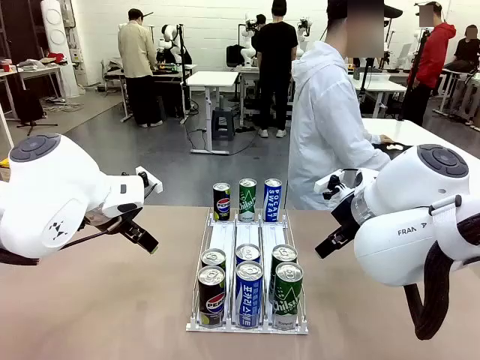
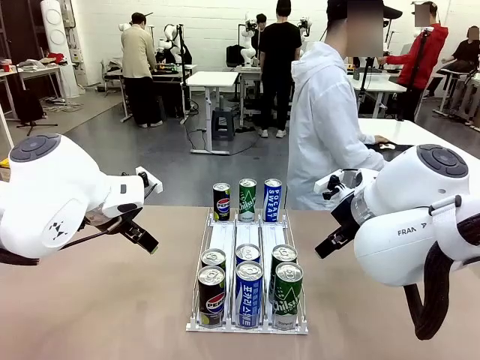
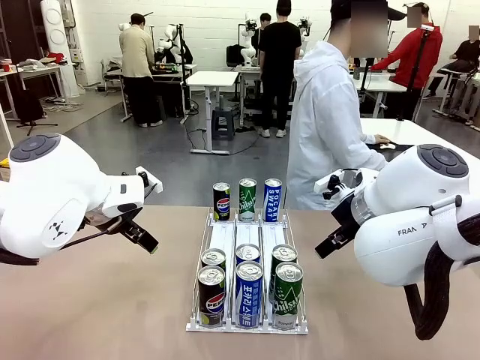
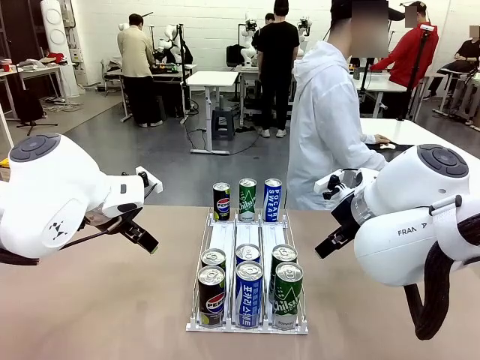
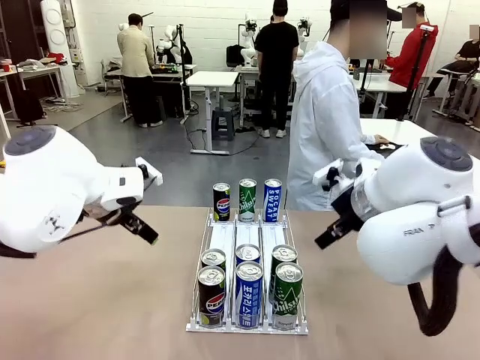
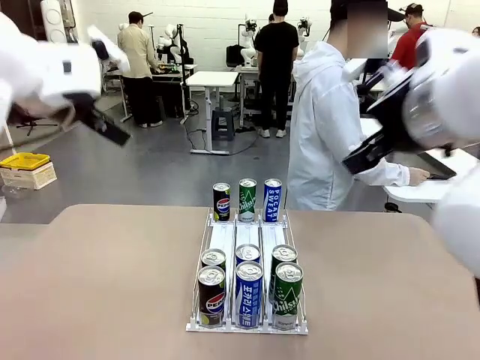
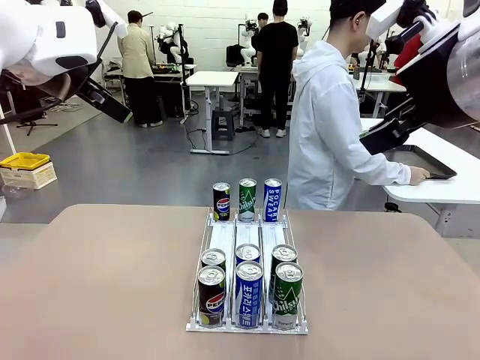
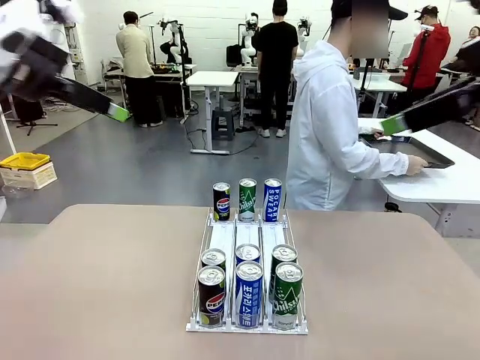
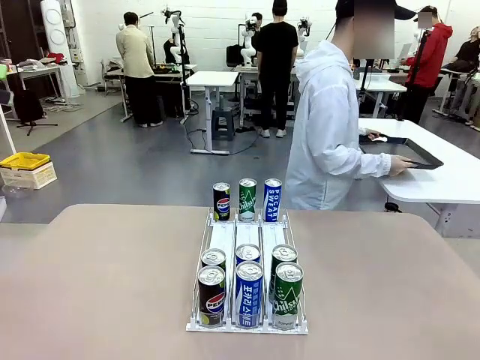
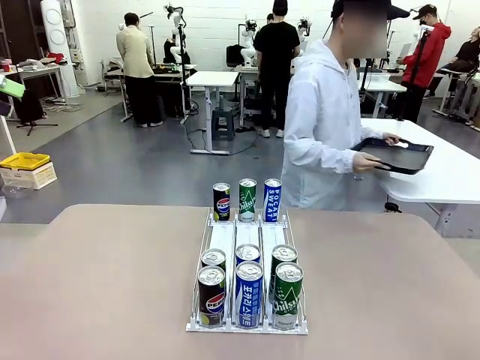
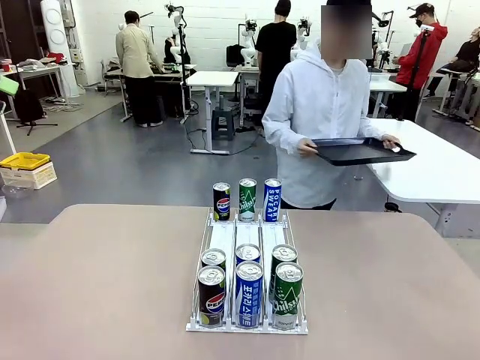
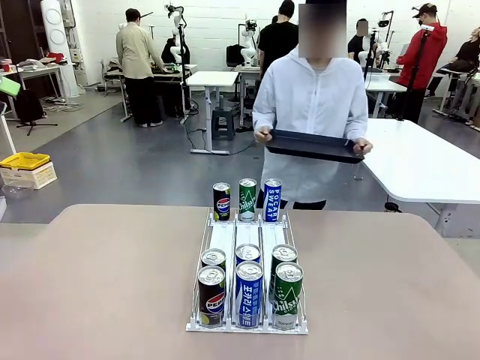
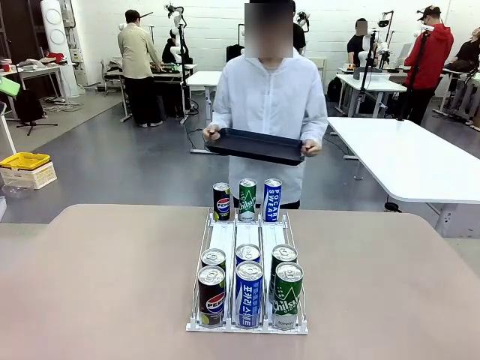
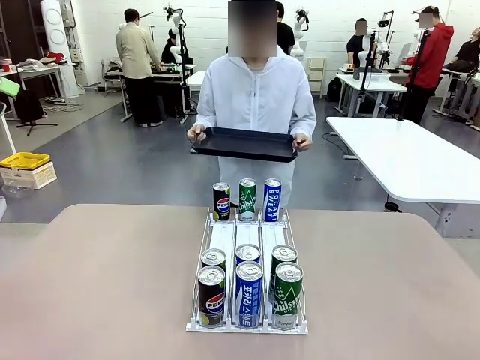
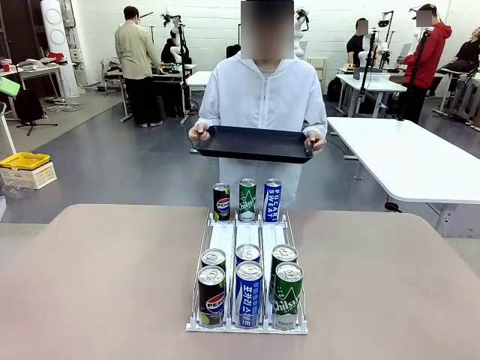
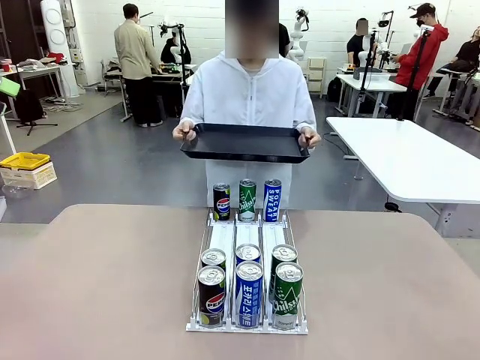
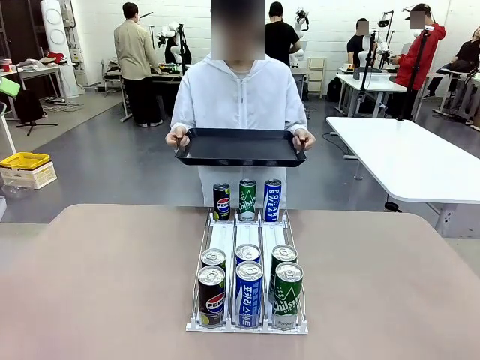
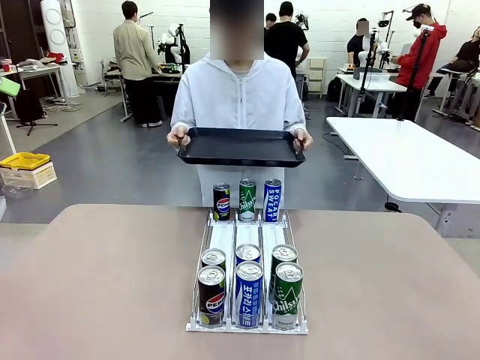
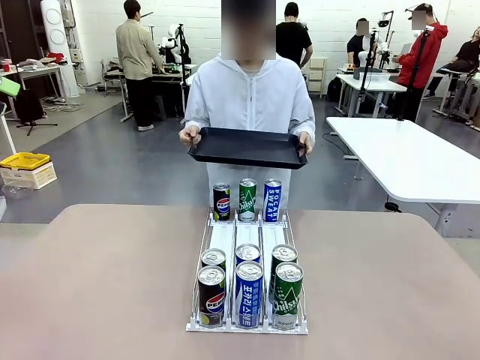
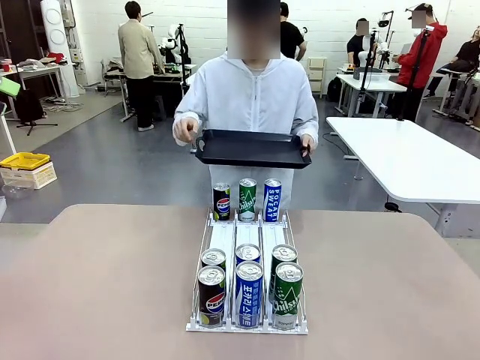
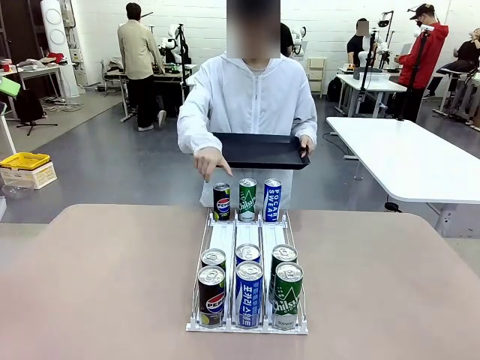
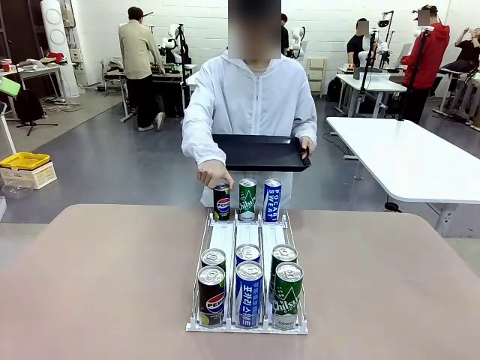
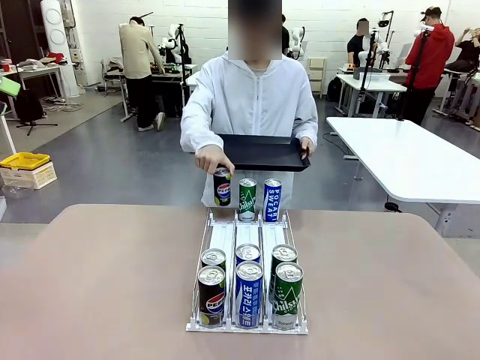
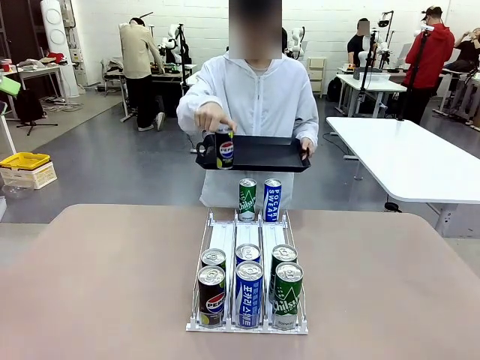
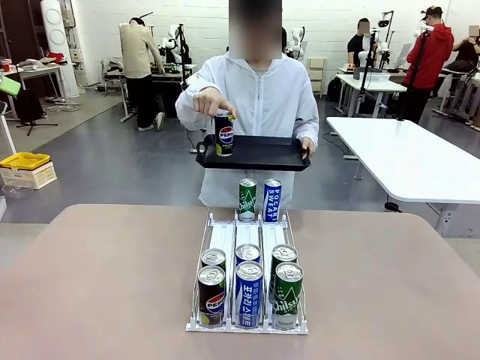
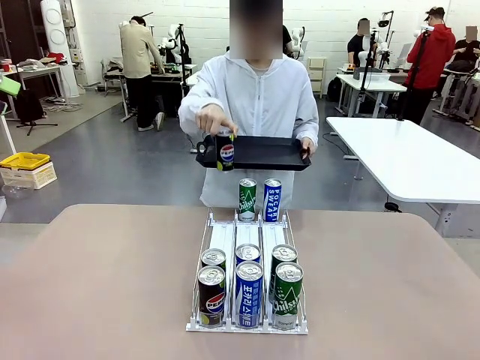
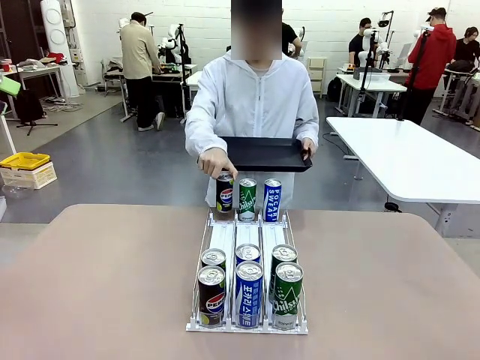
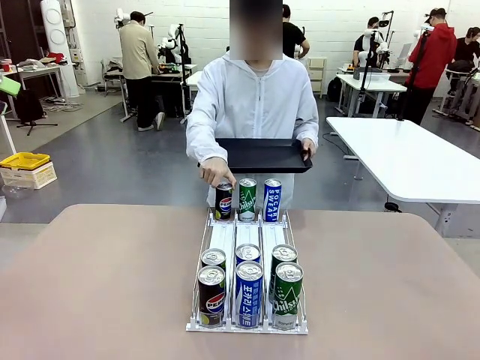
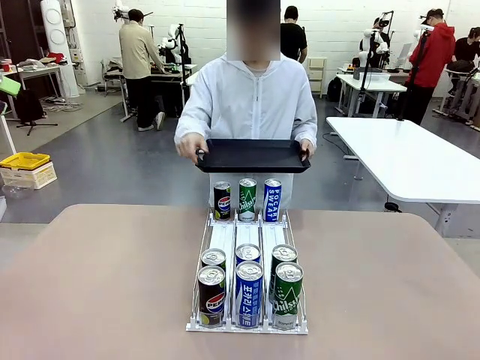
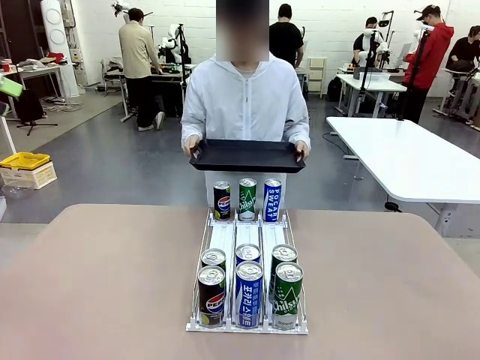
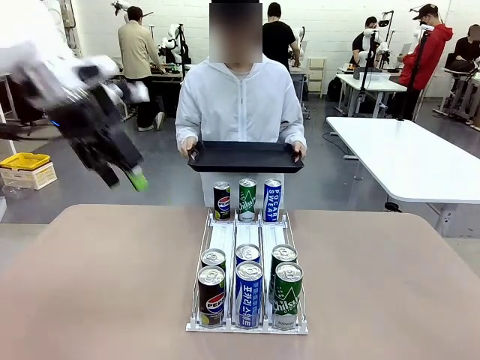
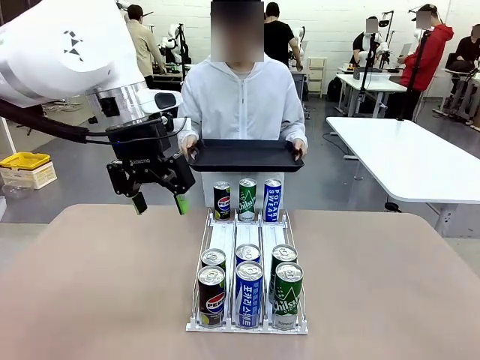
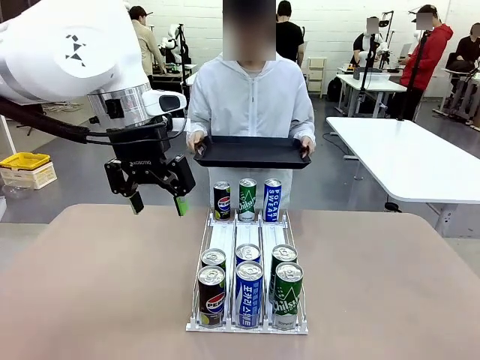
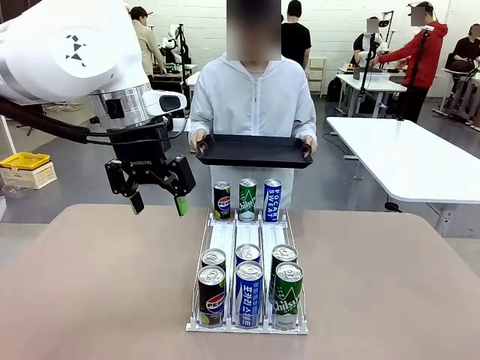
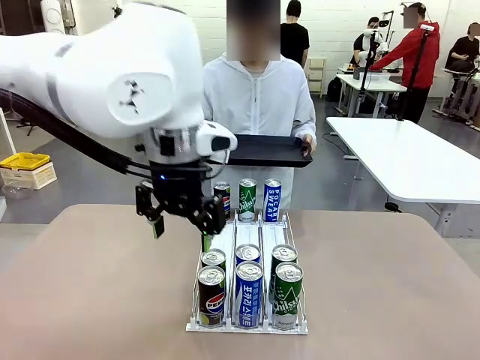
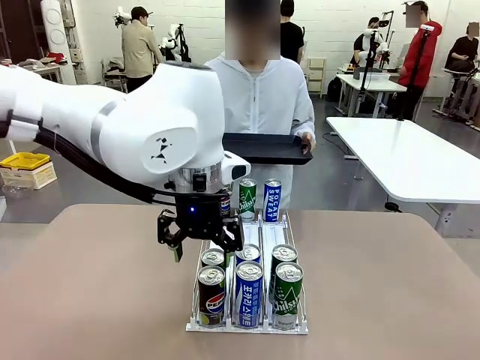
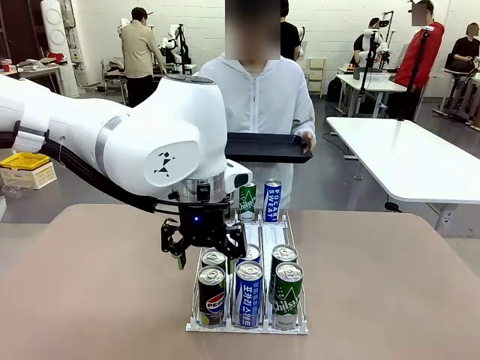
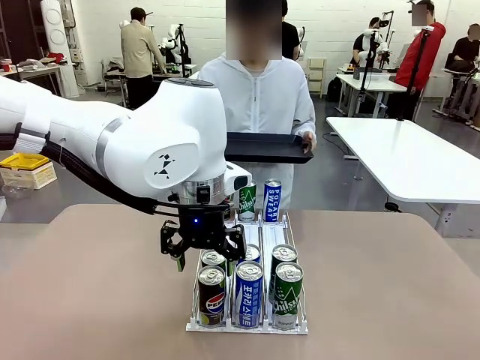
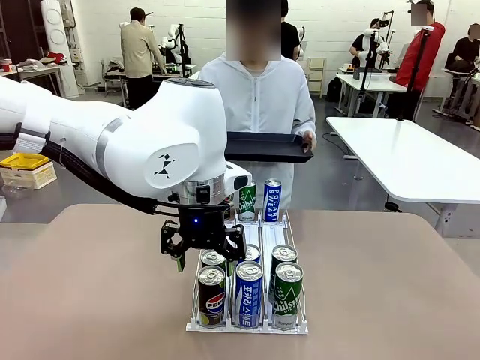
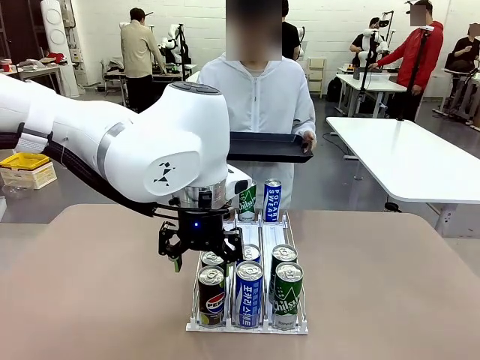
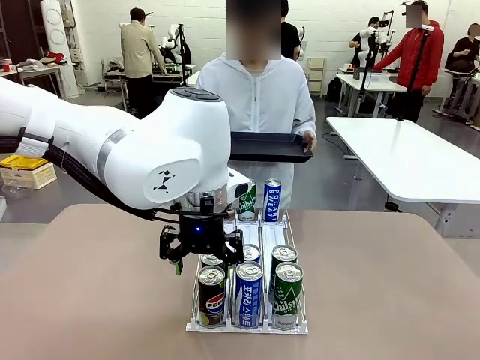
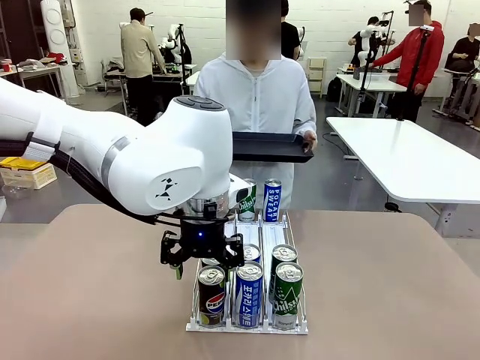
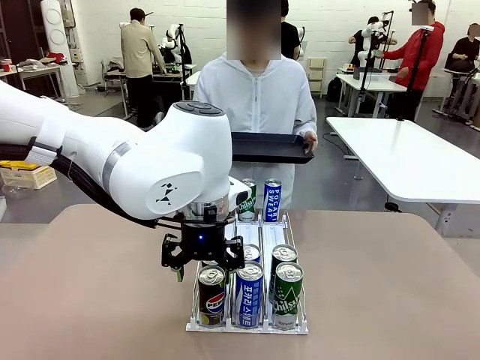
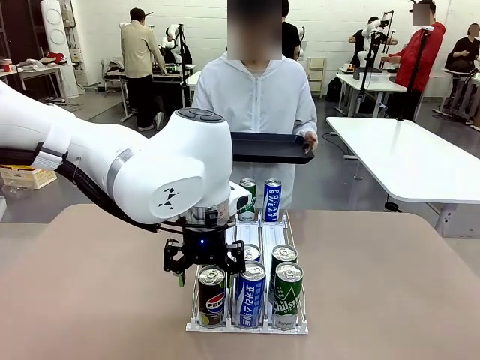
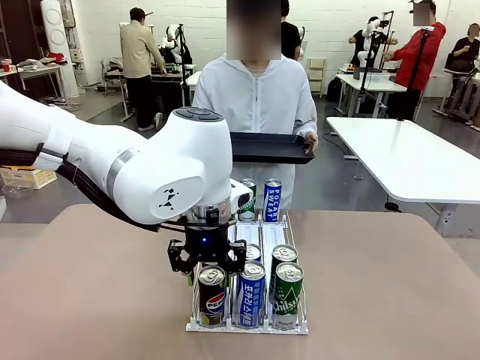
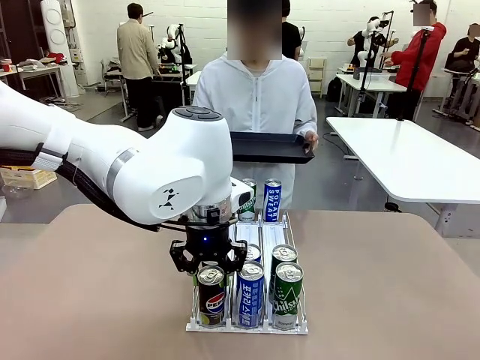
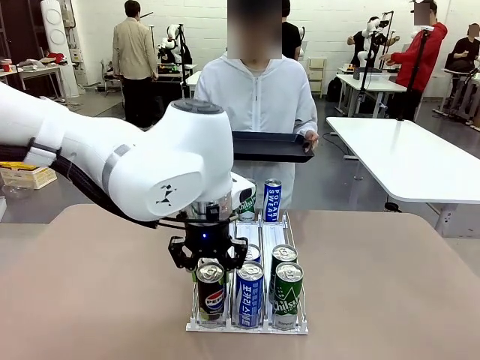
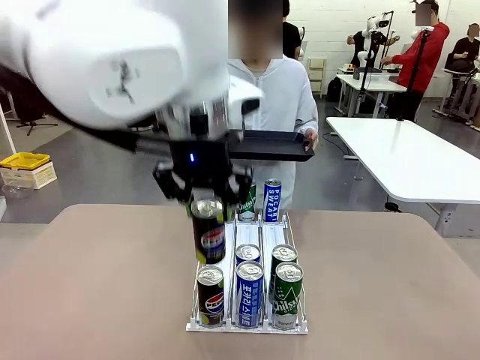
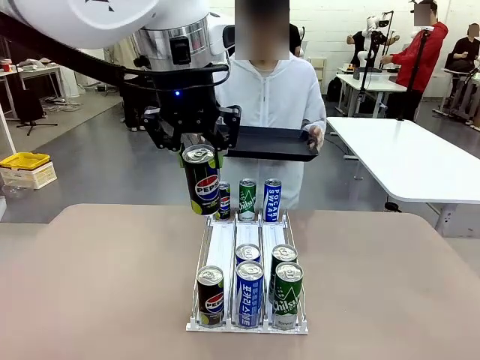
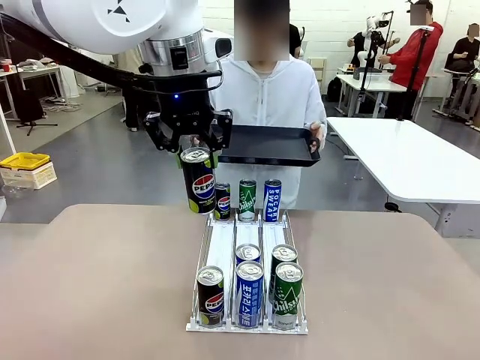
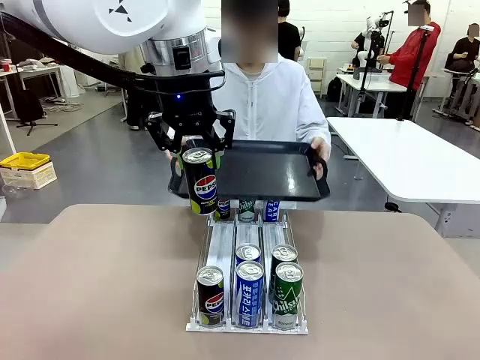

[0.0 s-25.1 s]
Task: Retrieve and hand over the desired beverage to the person.
Robot: Pick up a can of the same type that the person held from the Automatic Can Dispenser.
Person: Hold the tray and position yourself in front of the robot table. Pick up one can from the bottom area of the table and puts it back in its original place. Push the tray toward the robot.
